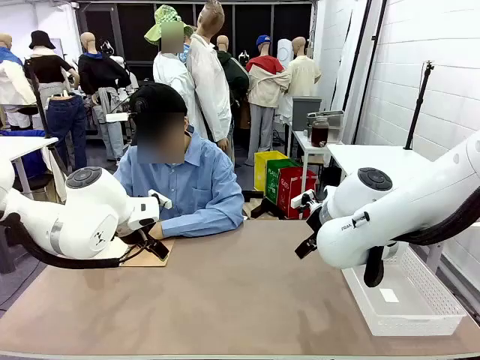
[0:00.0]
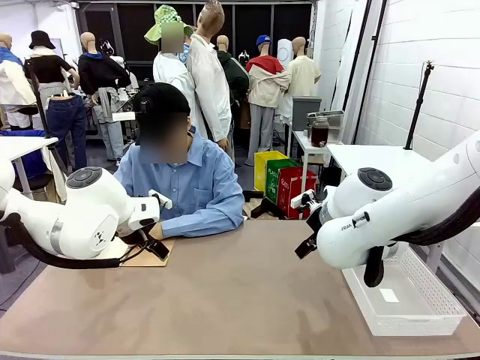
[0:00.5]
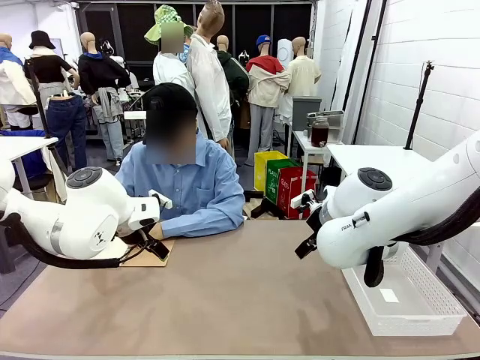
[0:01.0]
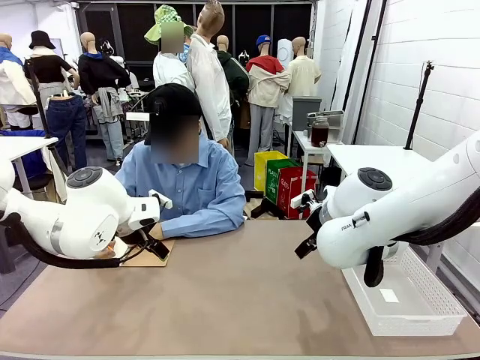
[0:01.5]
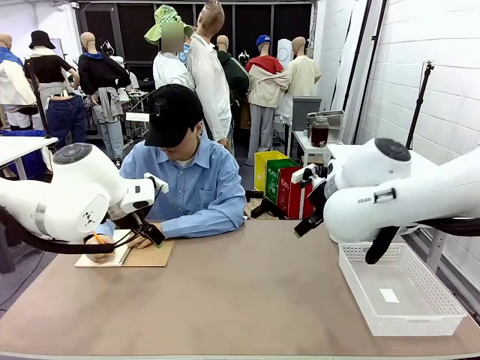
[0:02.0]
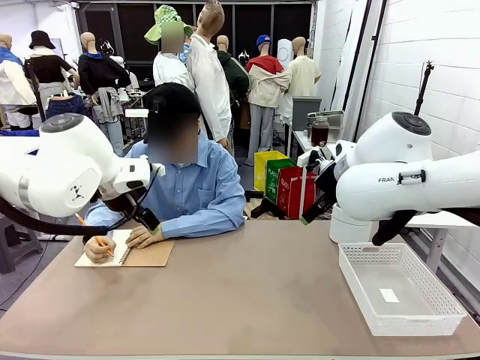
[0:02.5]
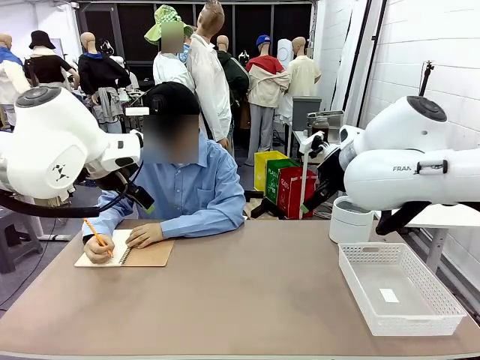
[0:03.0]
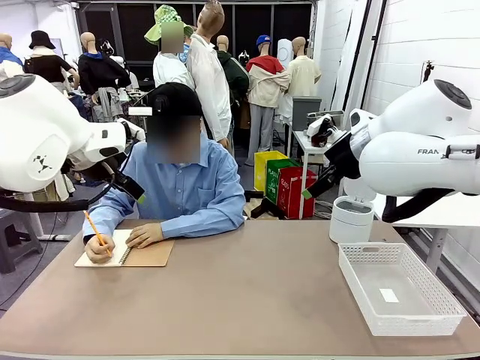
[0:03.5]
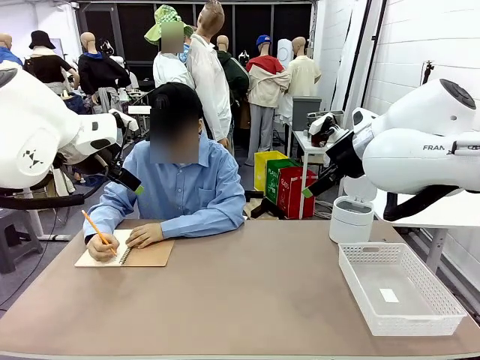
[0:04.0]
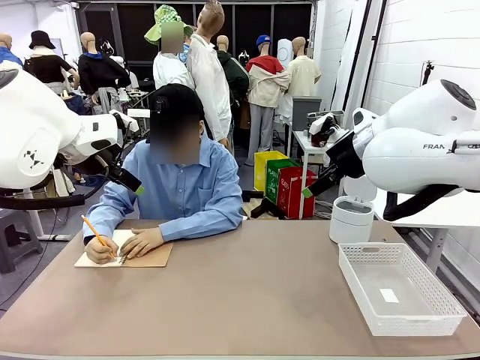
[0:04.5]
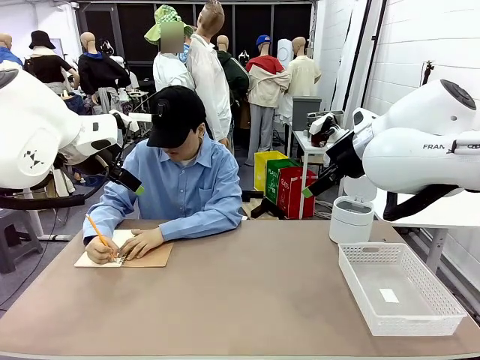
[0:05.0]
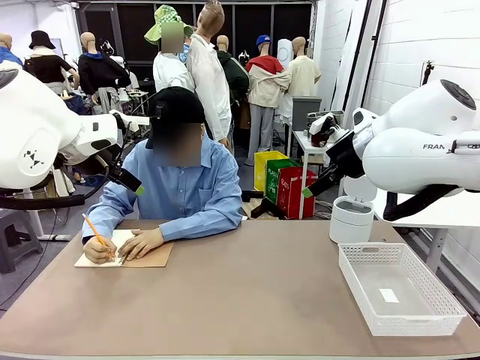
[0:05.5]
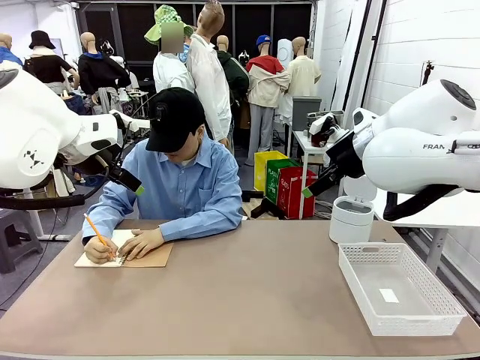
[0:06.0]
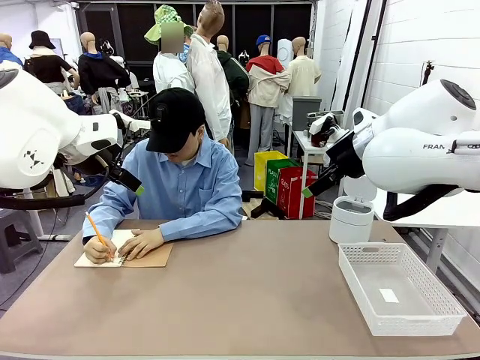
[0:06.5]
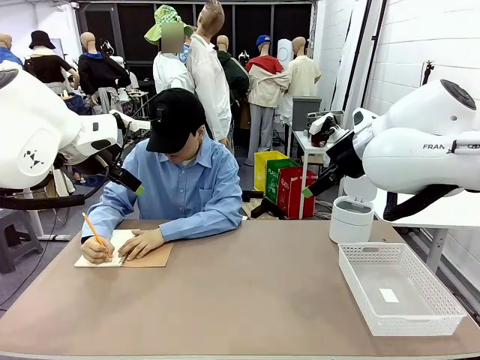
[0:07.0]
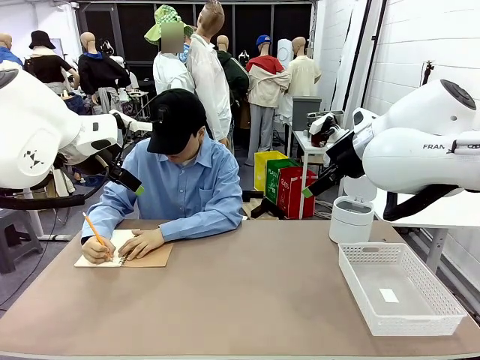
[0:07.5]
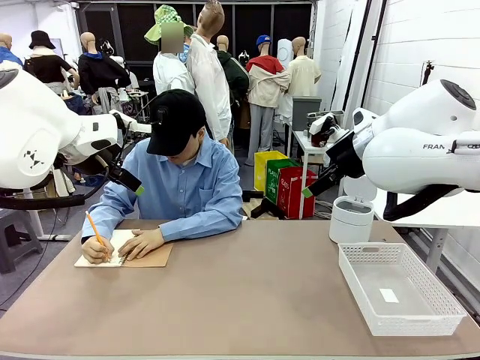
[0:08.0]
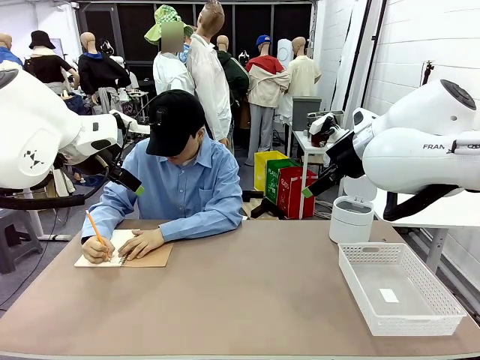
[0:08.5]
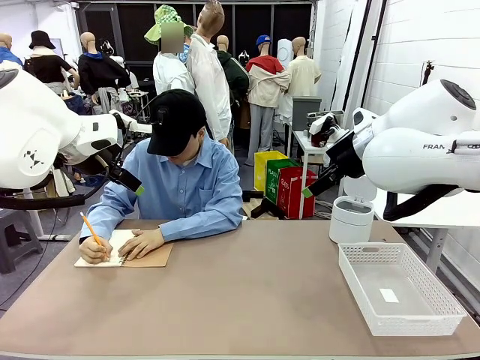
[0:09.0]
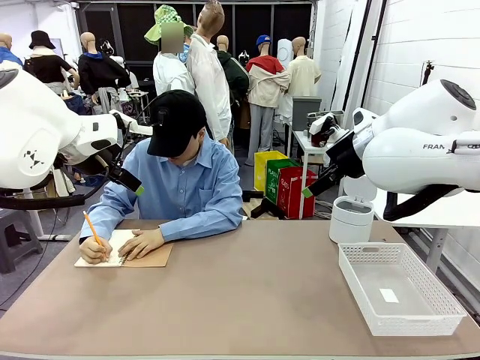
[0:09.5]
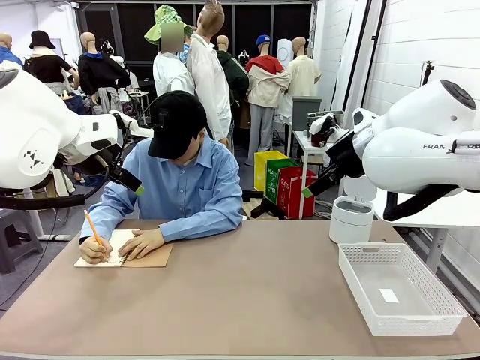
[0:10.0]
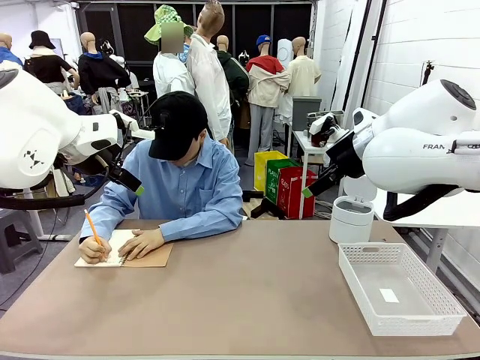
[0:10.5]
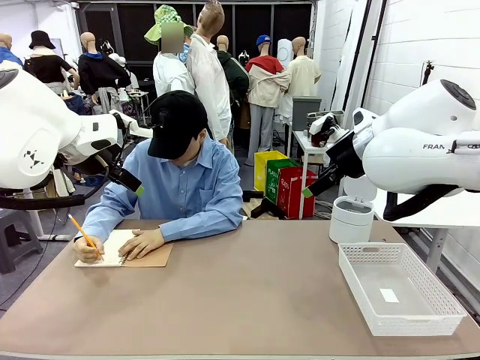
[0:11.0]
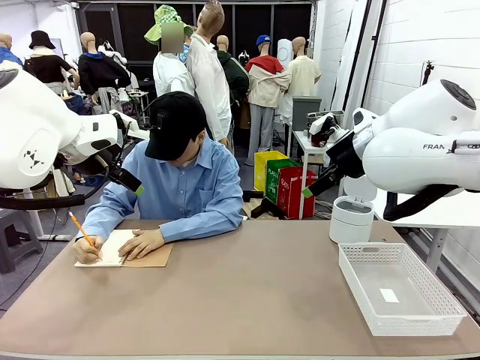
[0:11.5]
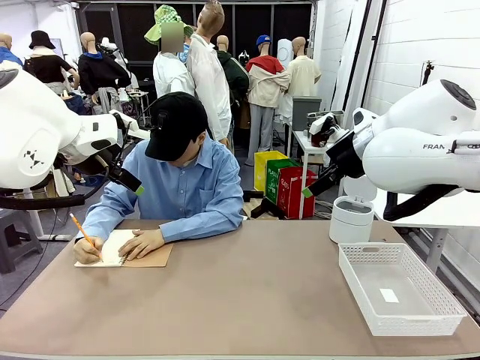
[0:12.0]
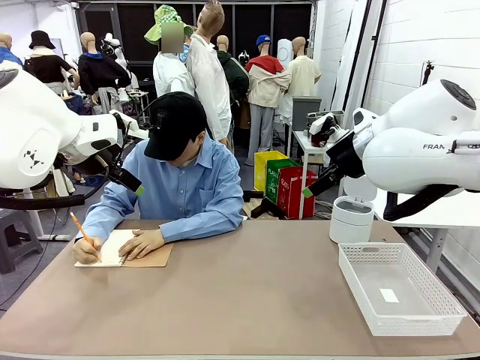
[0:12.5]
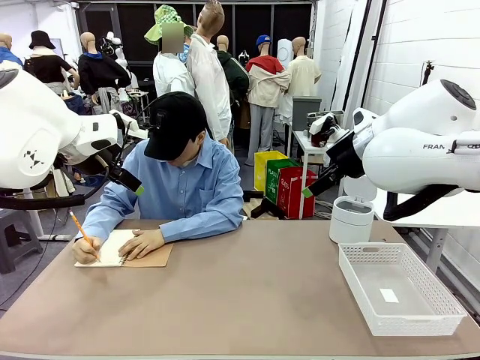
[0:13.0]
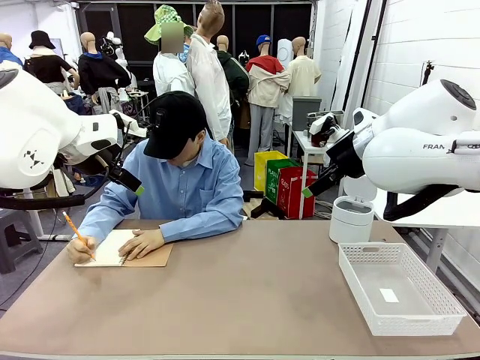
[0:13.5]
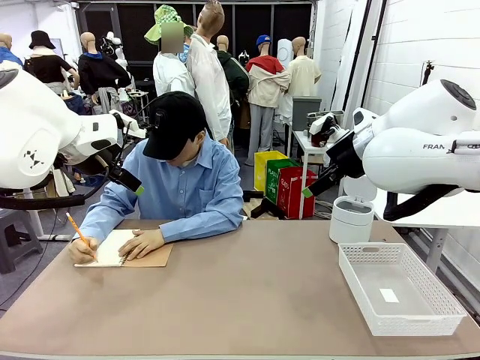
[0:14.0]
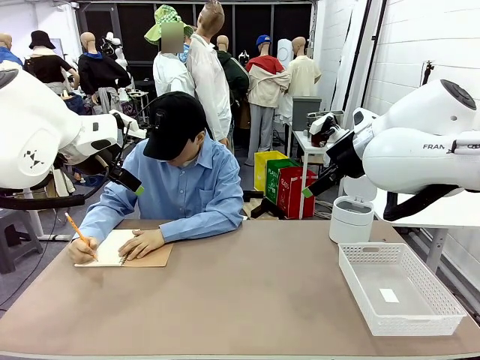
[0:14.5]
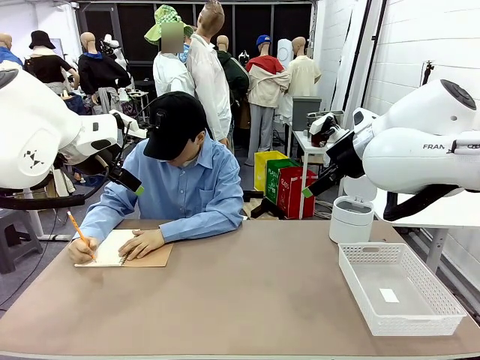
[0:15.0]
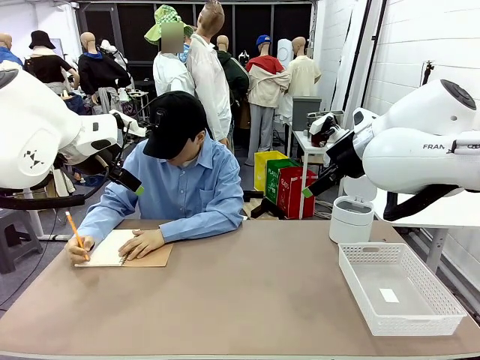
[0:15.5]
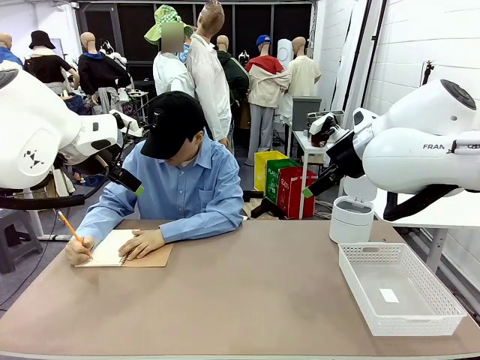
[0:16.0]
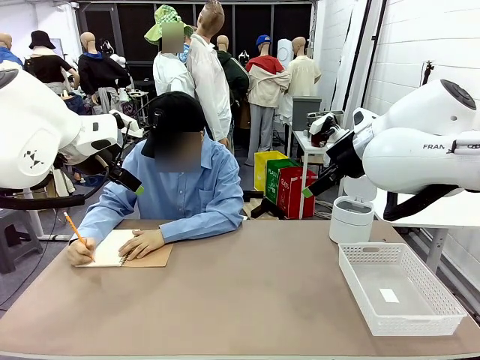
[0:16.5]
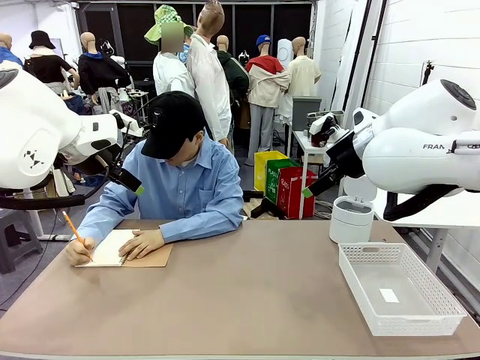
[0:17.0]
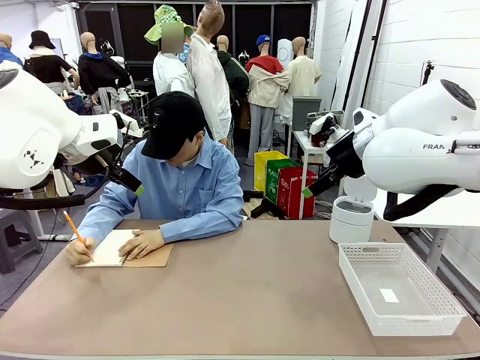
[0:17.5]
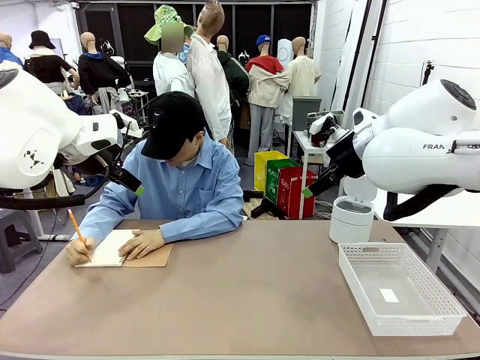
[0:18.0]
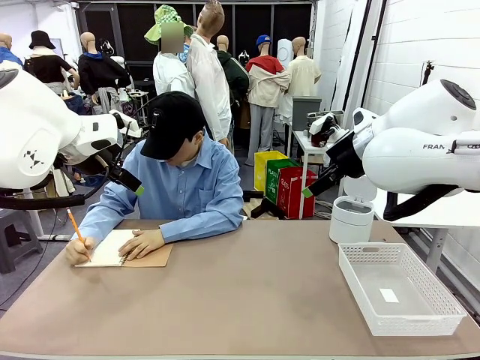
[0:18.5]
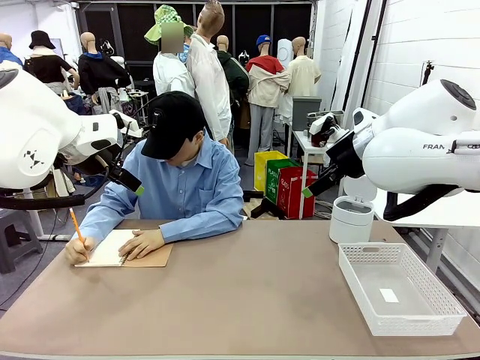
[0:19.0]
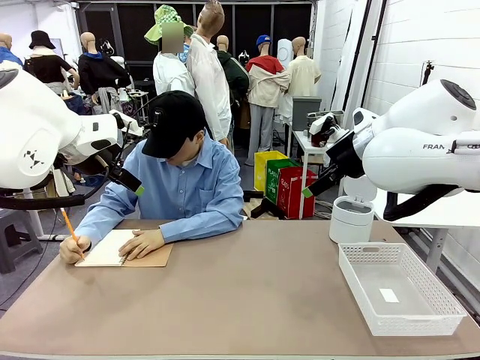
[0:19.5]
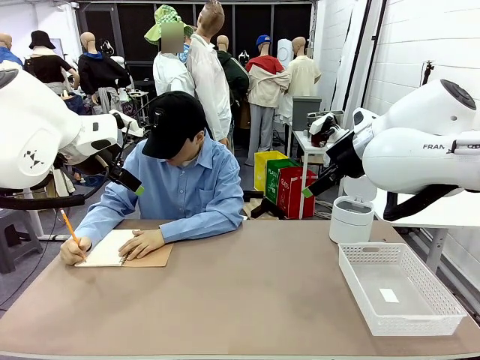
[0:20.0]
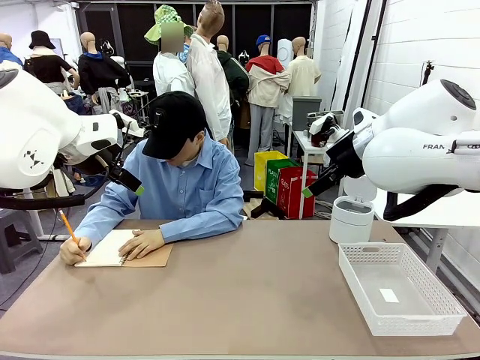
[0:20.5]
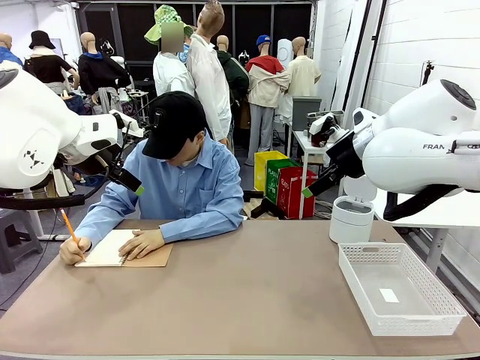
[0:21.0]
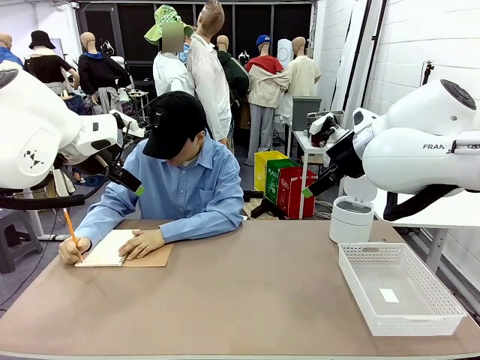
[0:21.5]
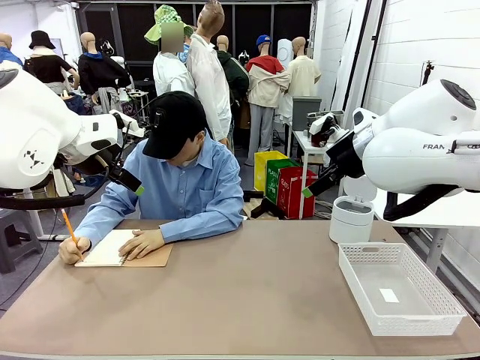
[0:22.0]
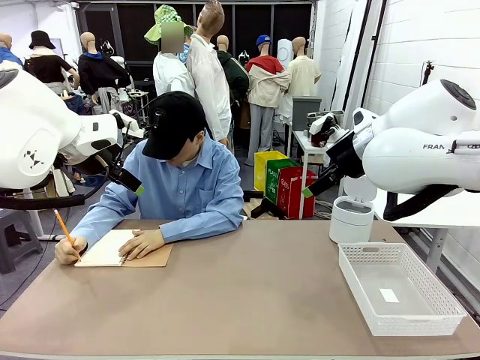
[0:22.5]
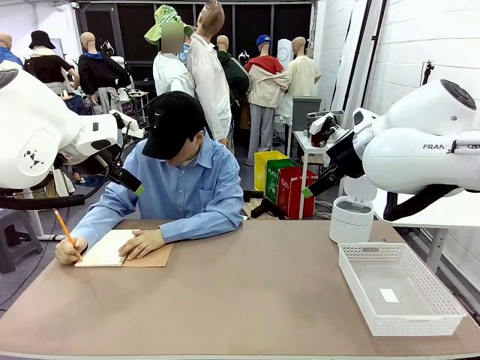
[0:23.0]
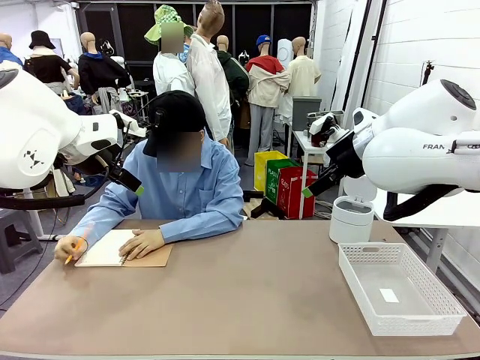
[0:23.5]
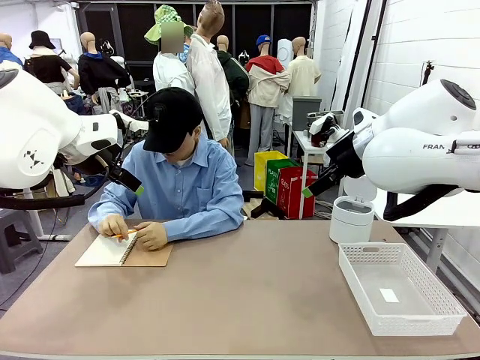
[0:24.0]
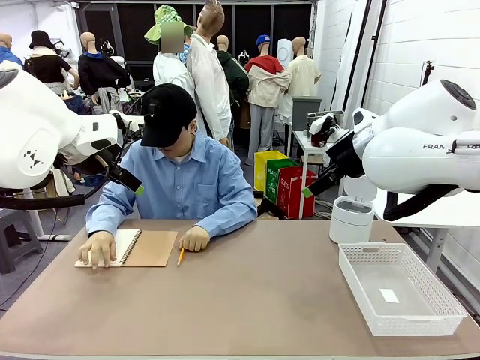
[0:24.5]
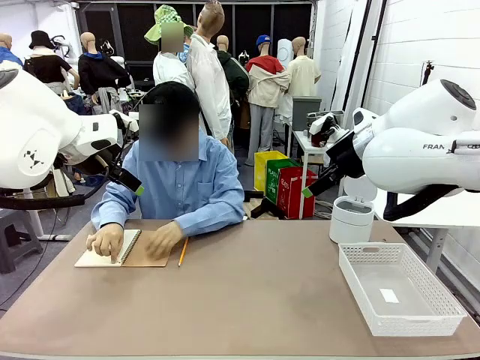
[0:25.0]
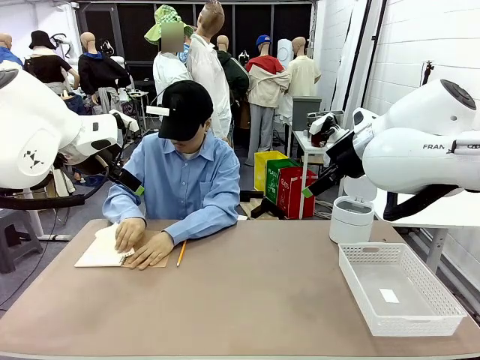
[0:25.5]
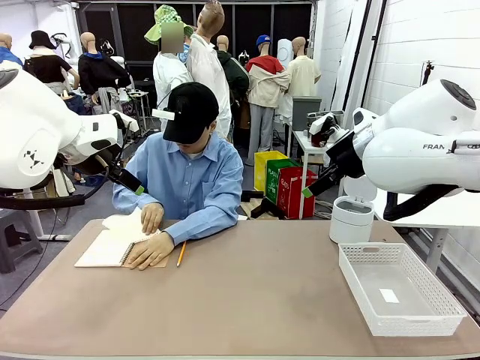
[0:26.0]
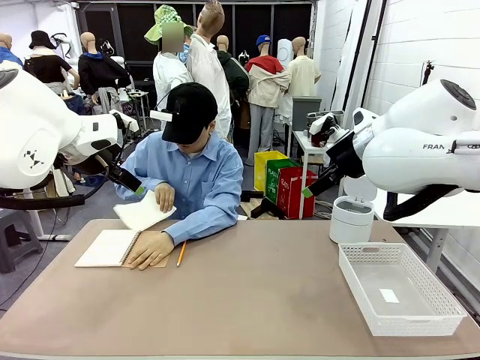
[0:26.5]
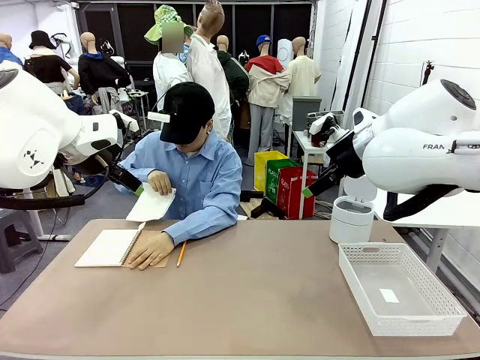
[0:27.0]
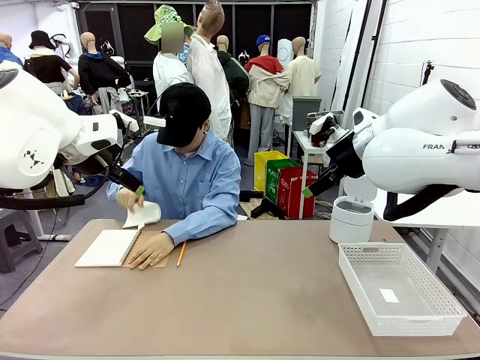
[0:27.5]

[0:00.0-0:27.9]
Task: Sort the paper based on its condition.
Robot: If a person hands you a paper, place it in the Organizing basket , and if it's crumpled, put it in the Trash can.
Person: Tear out a page from the spiral notebook.
